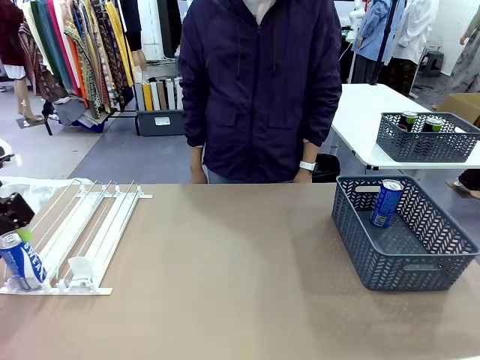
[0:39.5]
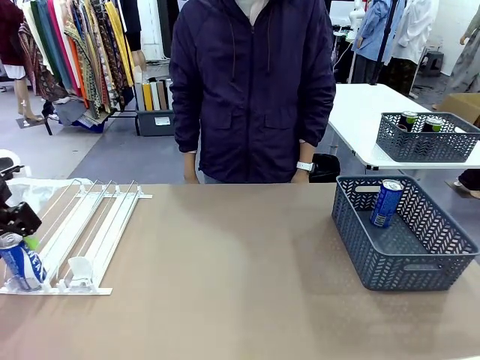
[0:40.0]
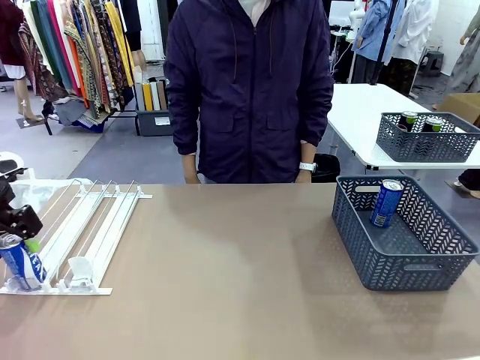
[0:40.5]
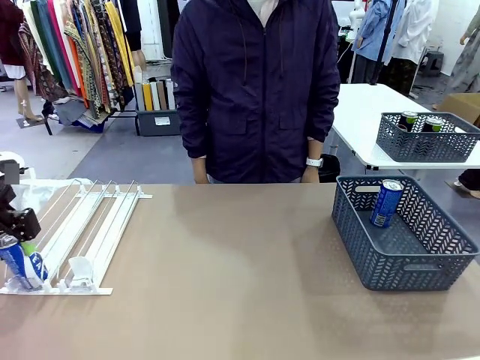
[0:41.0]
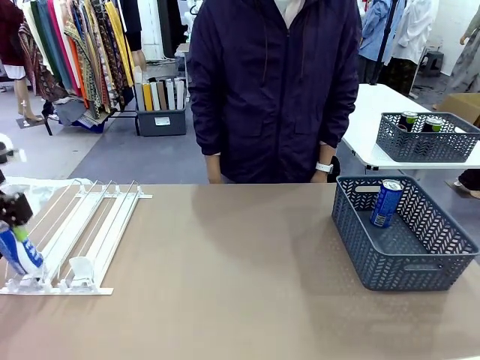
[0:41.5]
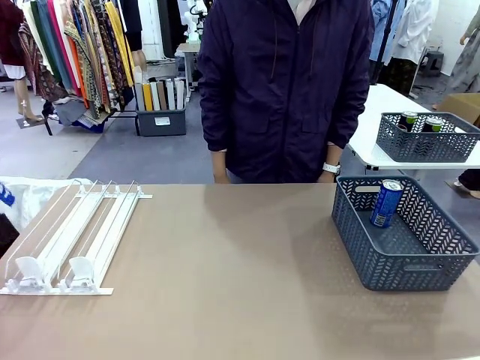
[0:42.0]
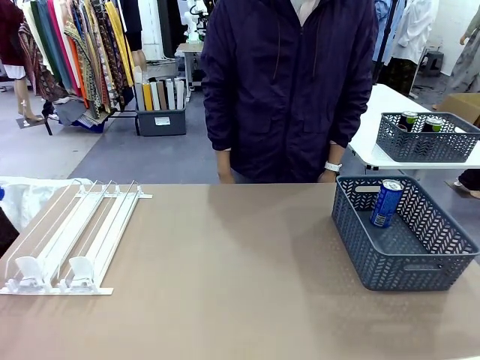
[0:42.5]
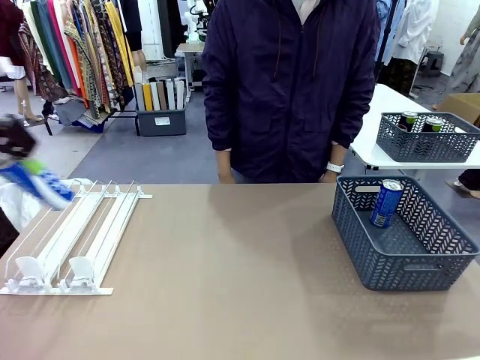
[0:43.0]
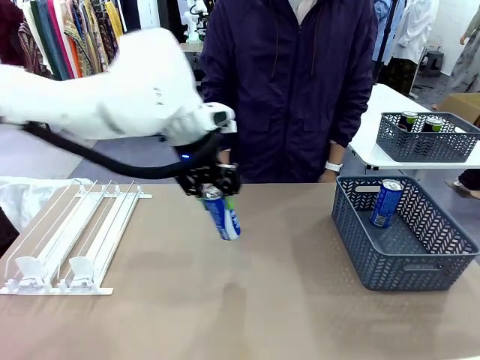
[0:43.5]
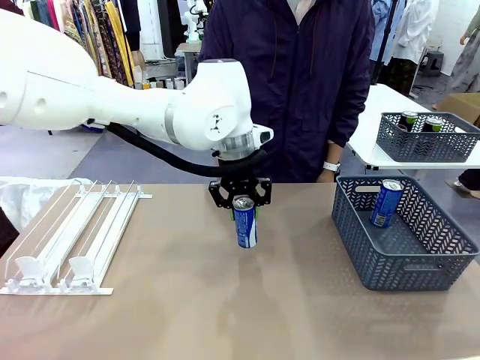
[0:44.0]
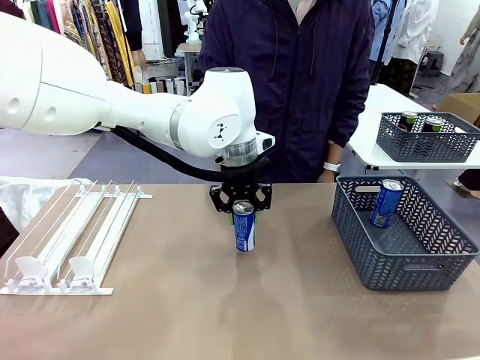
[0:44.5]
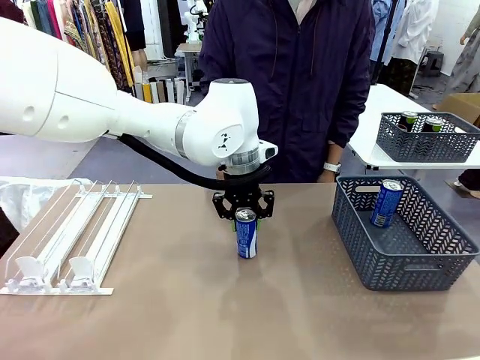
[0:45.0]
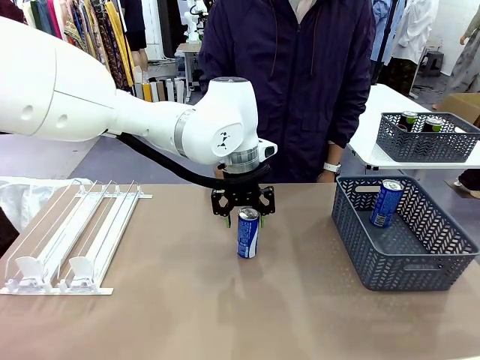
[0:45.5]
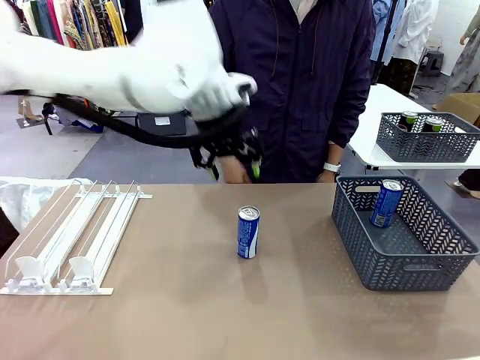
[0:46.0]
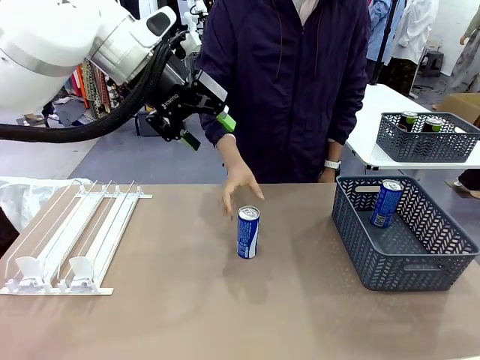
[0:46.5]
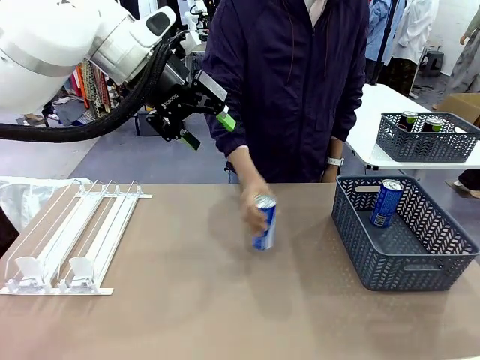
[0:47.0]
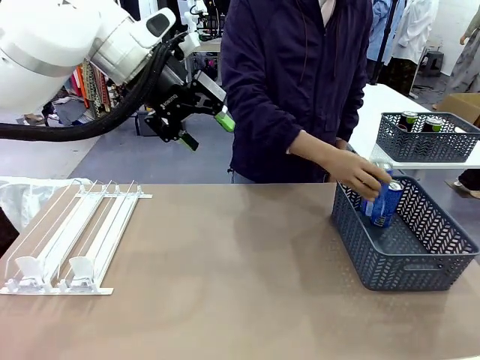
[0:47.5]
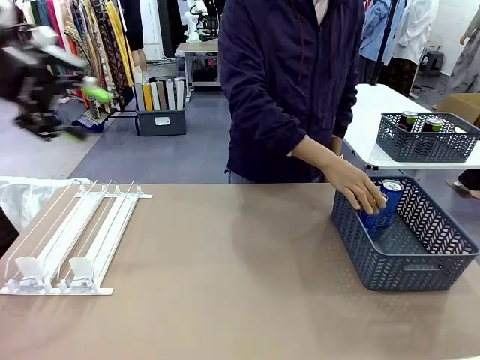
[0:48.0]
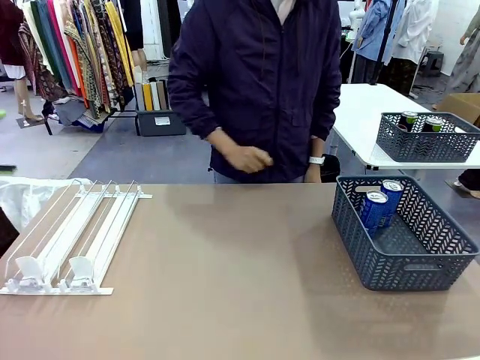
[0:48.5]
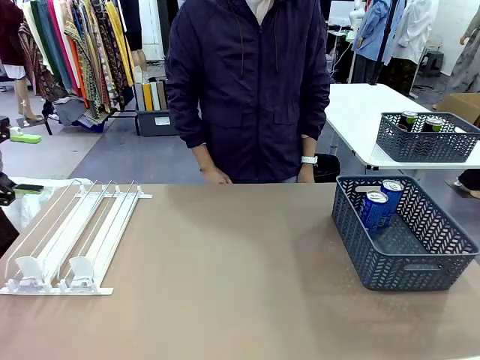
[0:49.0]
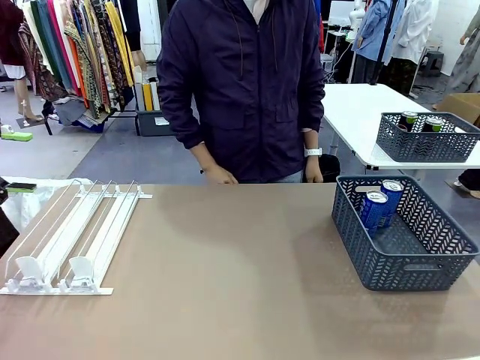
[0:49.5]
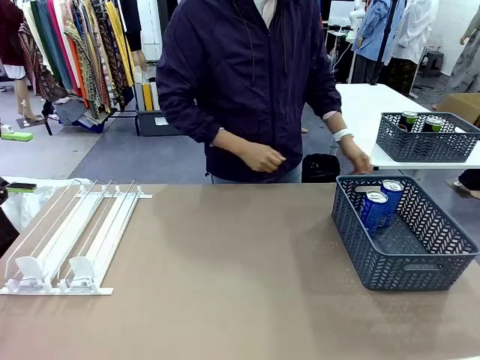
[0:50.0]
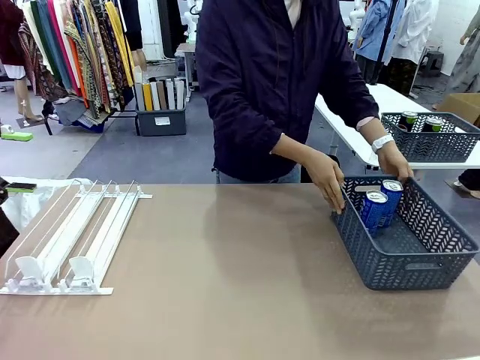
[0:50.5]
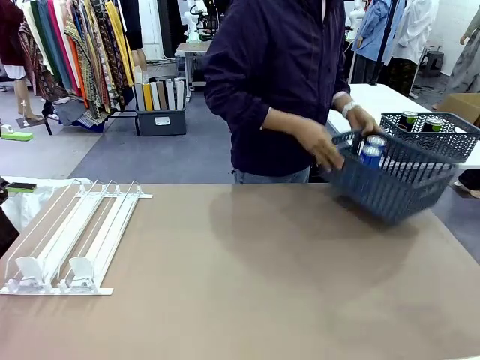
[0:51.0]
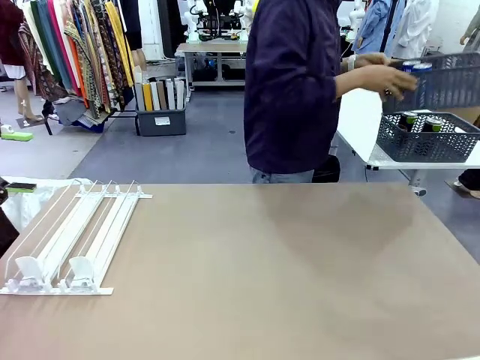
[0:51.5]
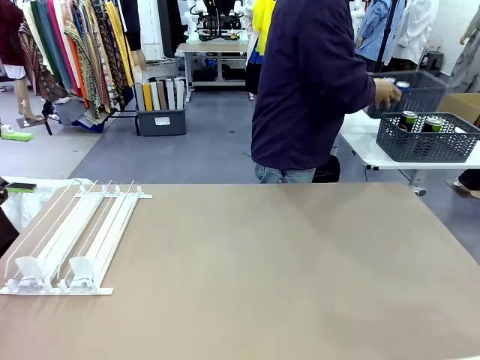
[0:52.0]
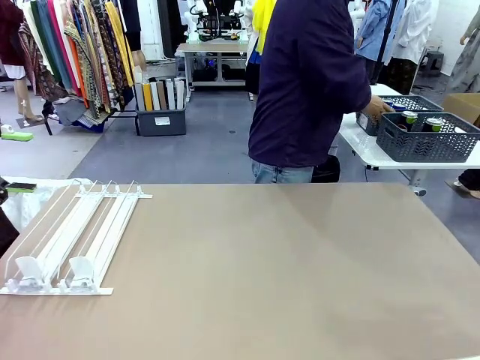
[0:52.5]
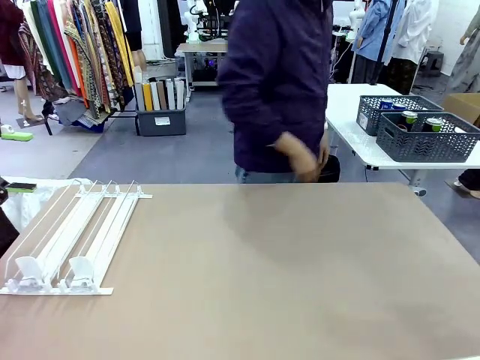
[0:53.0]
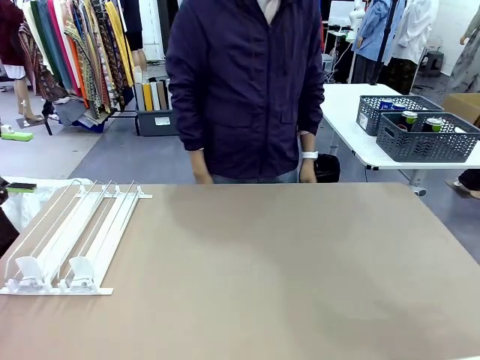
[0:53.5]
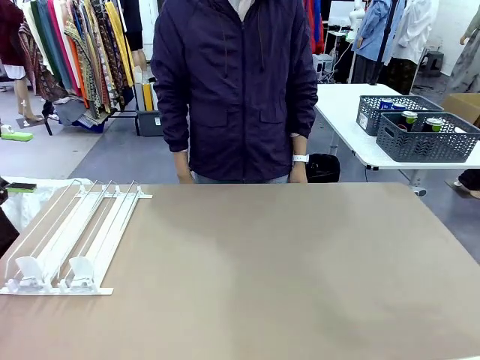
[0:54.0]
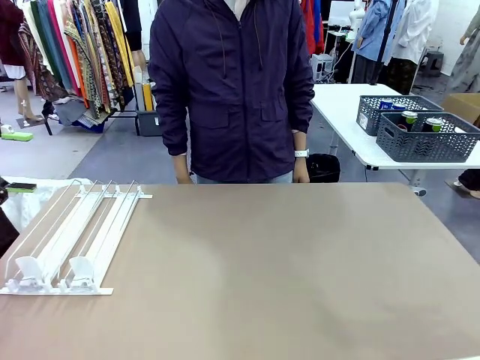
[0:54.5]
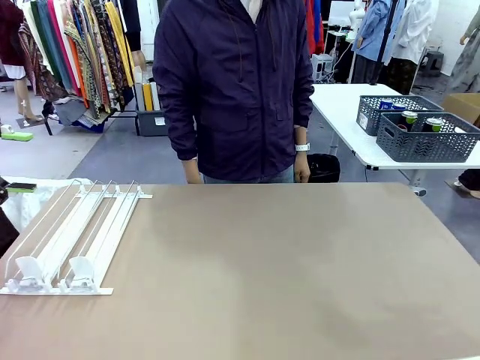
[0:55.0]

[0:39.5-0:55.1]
Task: Retrieve and store the cans from the dispenser.
Robot: Pick up one can from the Automatic Can Dispenser and place it in the middle of the table.
Person: Pick up one sports drink can from the middle of the robot table and place it in the basket. Pick up the basket and place it in the middle of the human table.

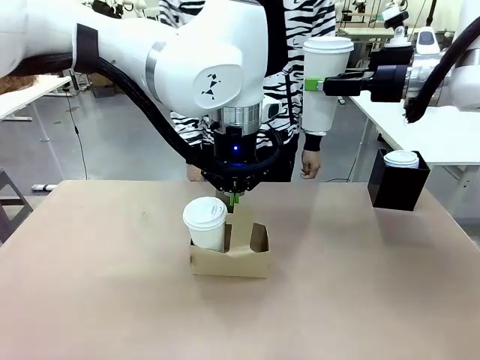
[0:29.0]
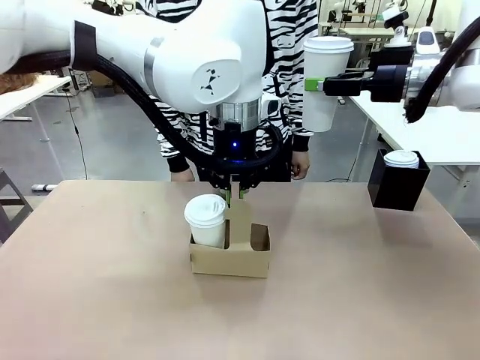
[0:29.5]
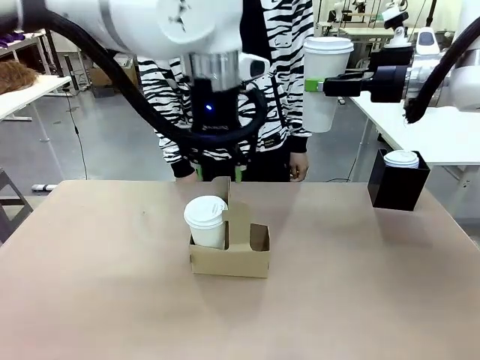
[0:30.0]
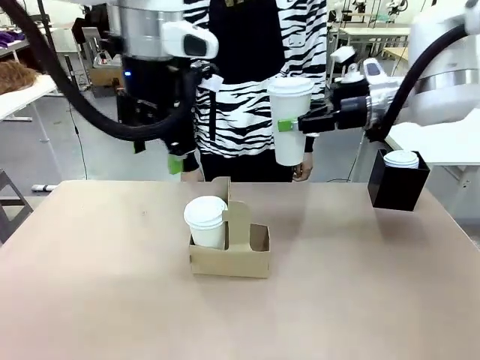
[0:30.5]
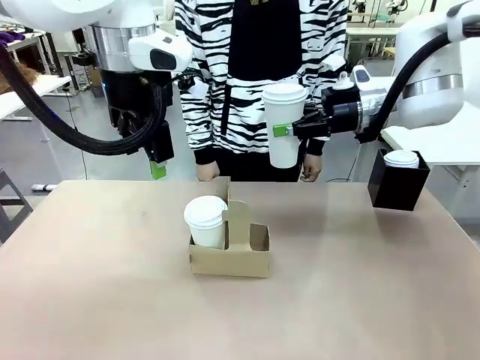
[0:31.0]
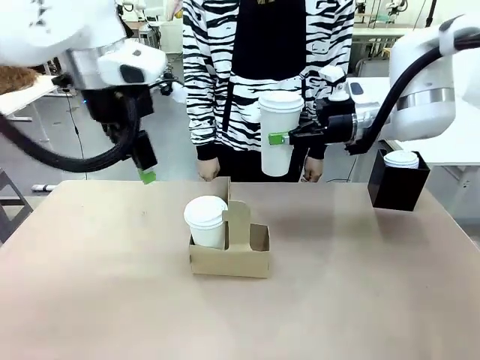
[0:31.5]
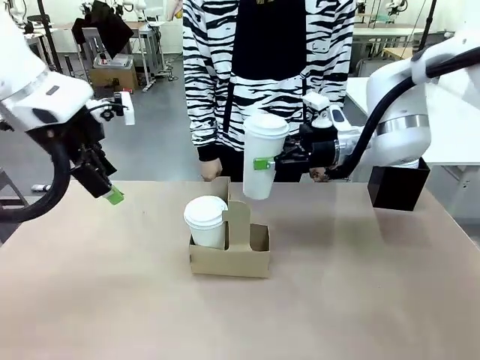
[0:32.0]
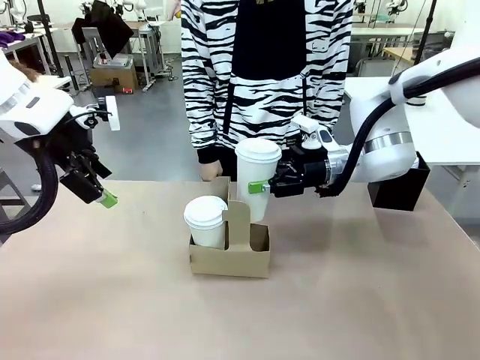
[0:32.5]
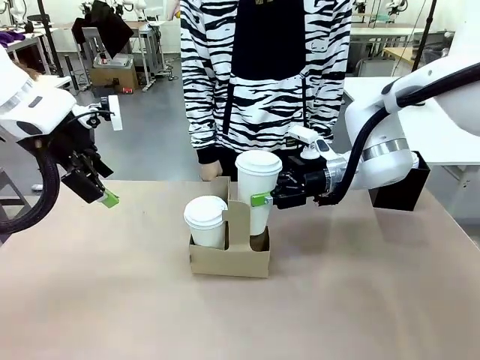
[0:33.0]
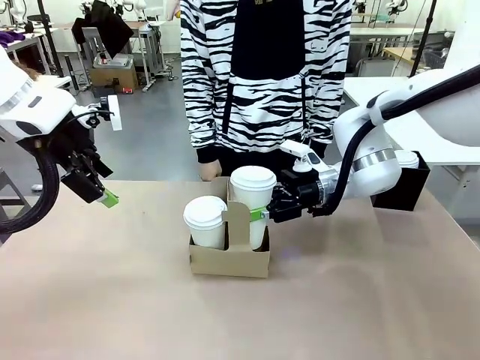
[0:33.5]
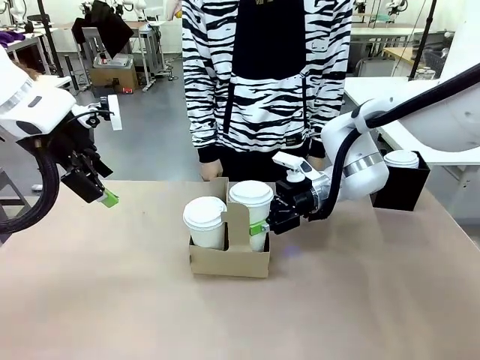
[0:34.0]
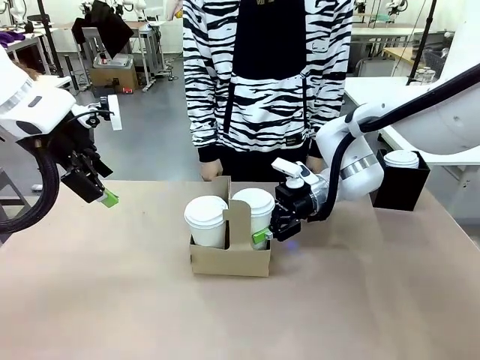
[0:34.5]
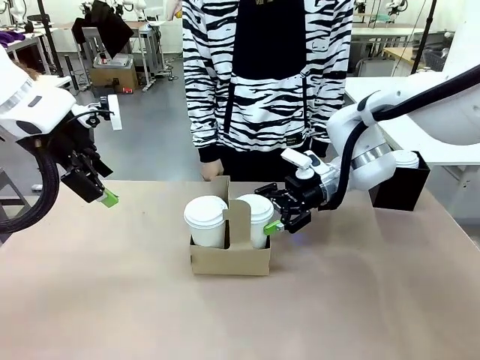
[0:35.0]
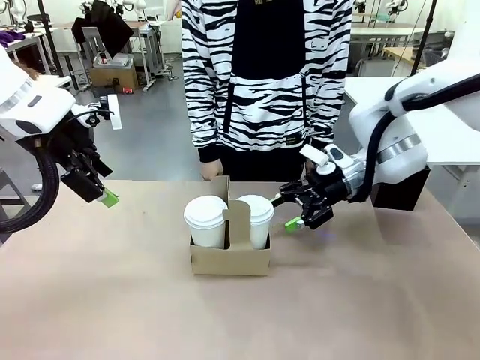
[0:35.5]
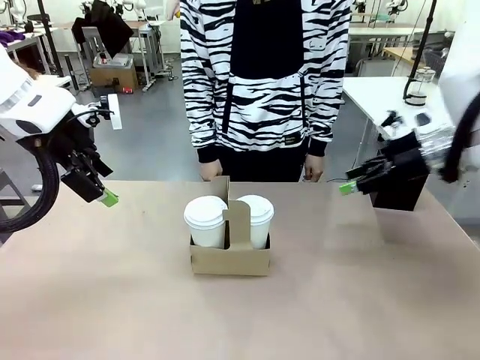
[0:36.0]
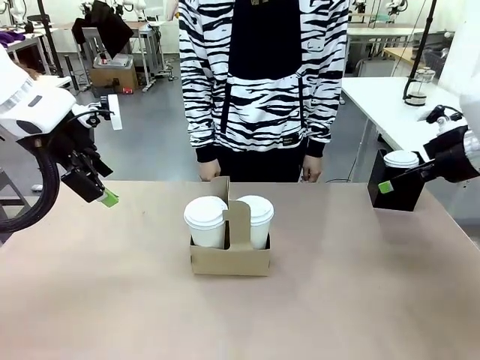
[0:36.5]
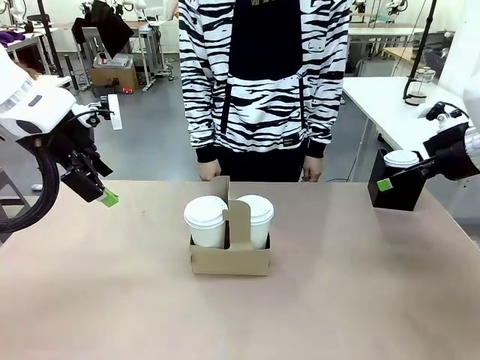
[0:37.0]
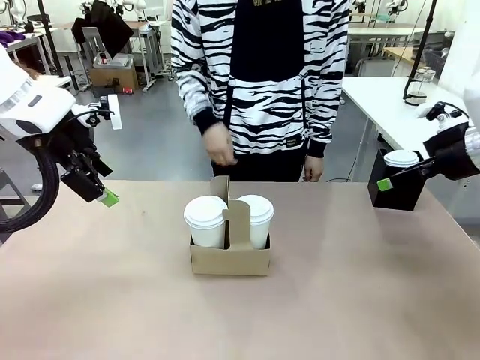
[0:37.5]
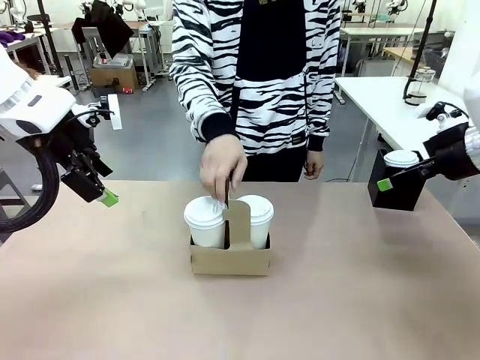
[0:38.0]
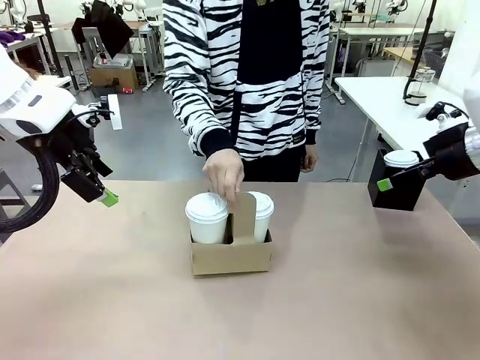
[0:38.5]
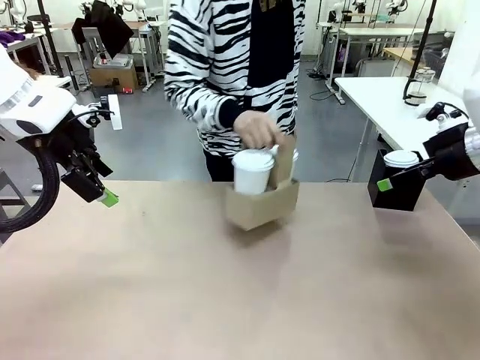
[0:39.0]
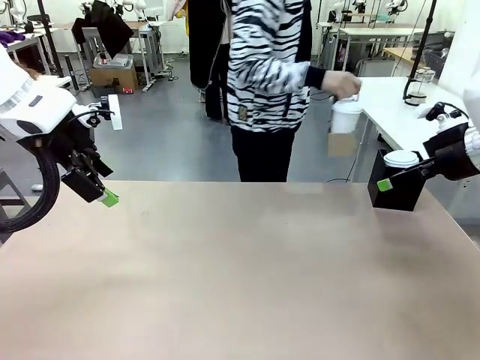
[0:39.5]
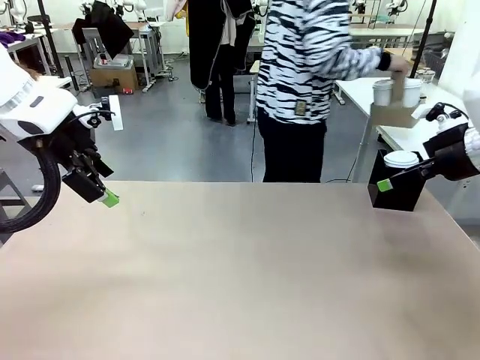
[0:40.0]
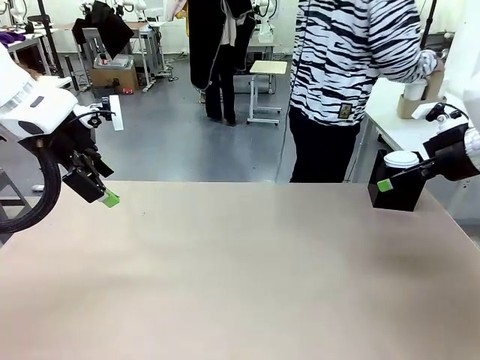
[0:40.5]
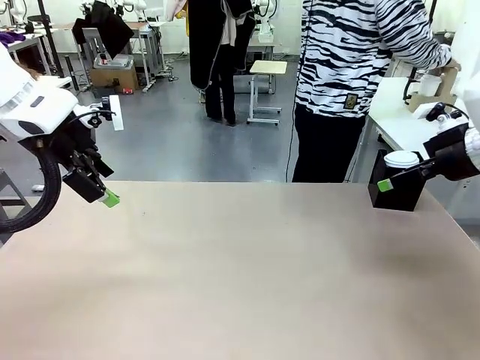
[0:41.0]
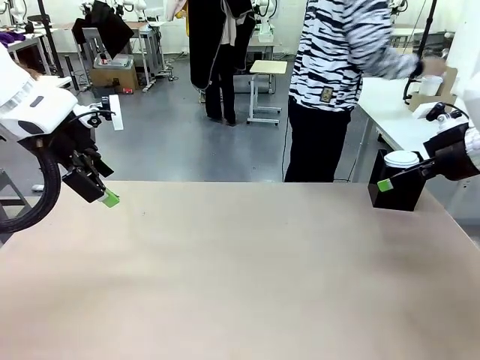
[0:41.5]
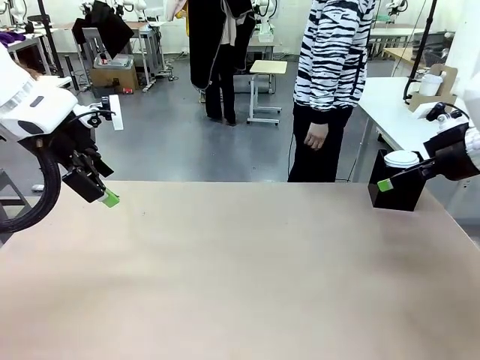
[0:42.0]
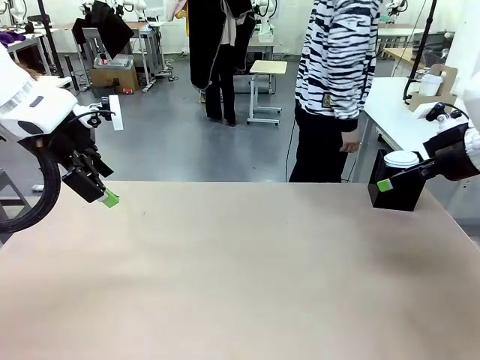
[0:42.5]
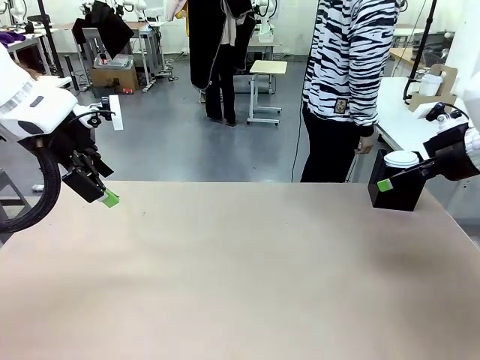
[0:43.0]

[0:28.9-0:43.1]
Task: Pour a drink into a cup and package it in a carrier.
Robot: Insert the held 600 ml Paper Cup into the Cup Carrier.
Person: Place the Cup Carrier to the middle of Human table.
